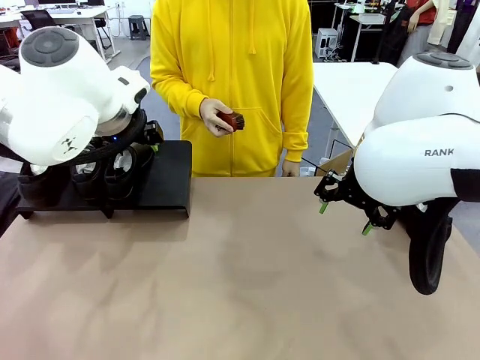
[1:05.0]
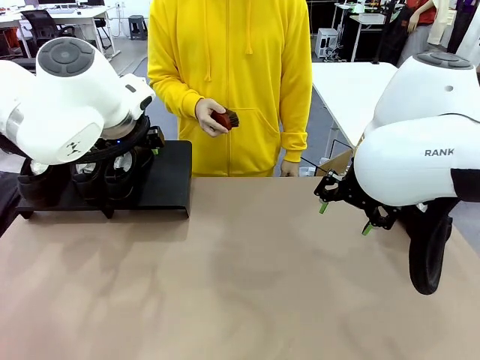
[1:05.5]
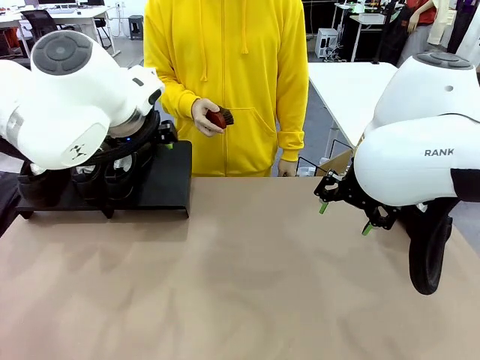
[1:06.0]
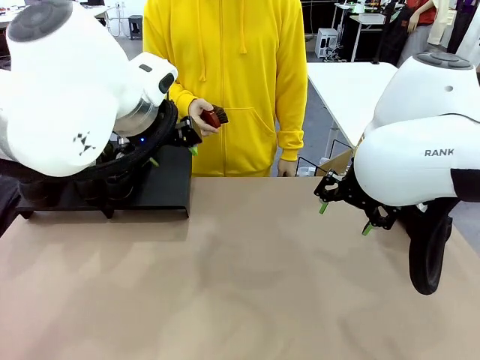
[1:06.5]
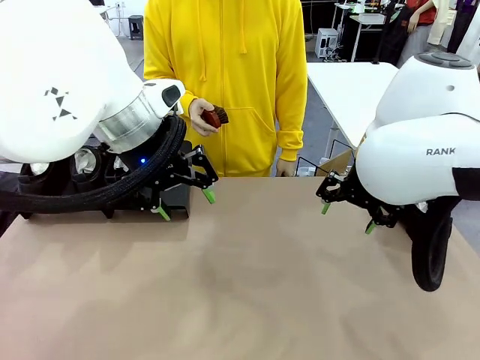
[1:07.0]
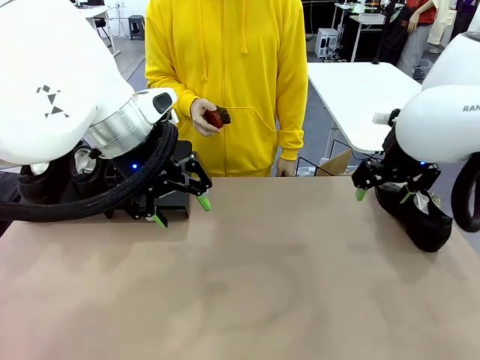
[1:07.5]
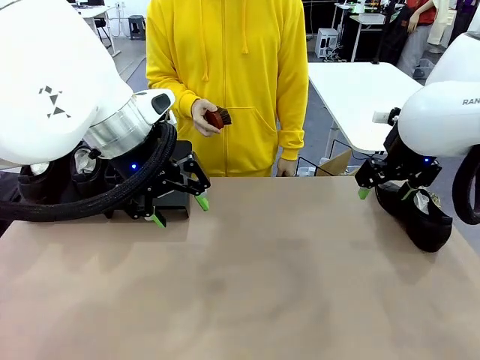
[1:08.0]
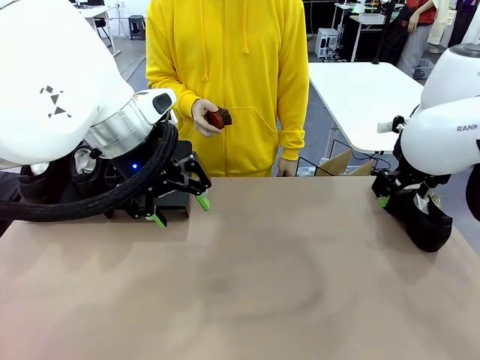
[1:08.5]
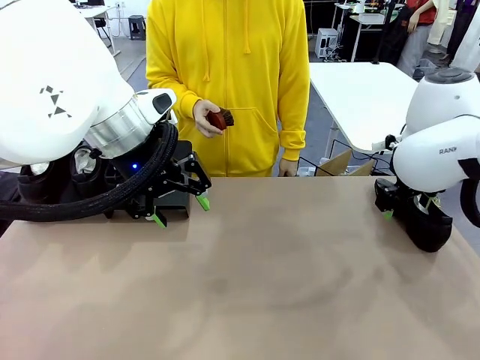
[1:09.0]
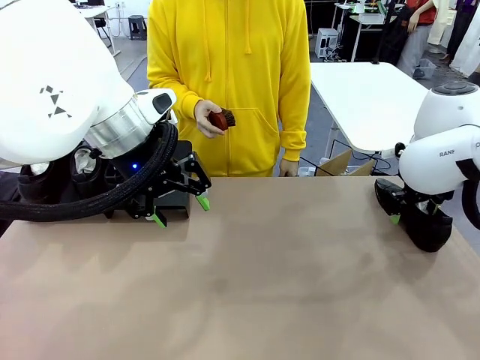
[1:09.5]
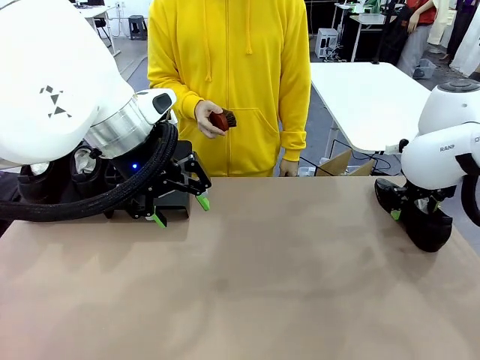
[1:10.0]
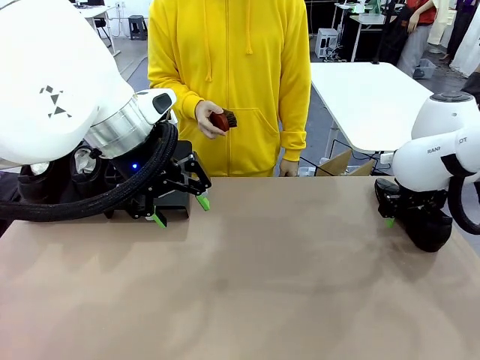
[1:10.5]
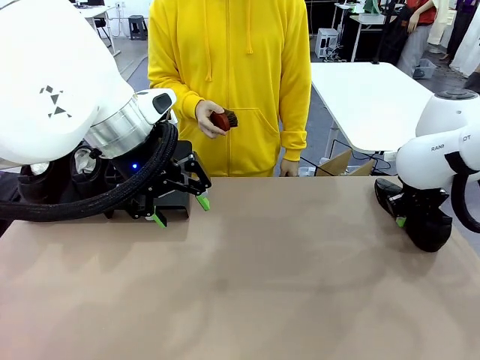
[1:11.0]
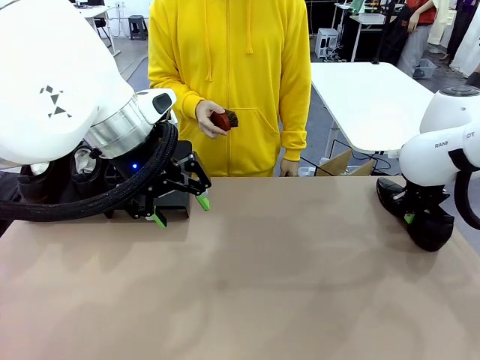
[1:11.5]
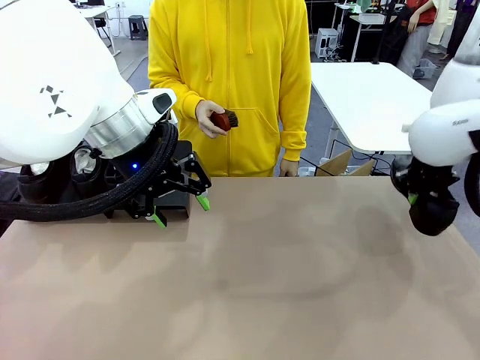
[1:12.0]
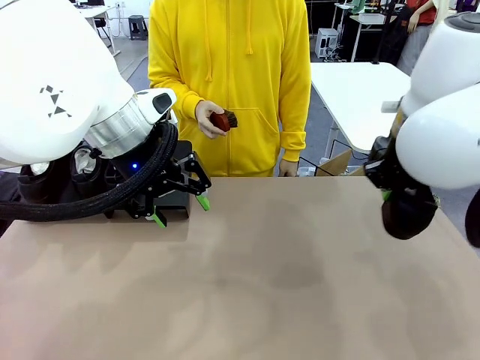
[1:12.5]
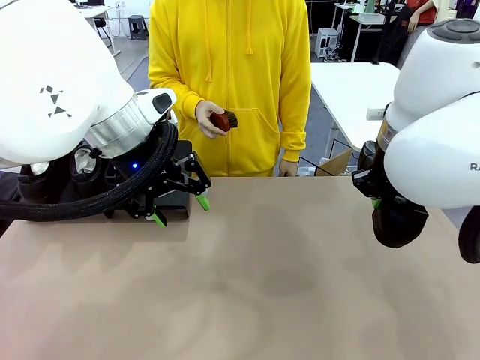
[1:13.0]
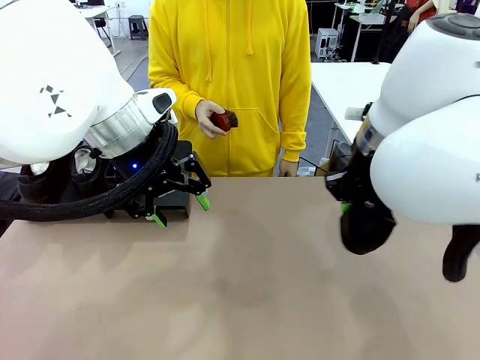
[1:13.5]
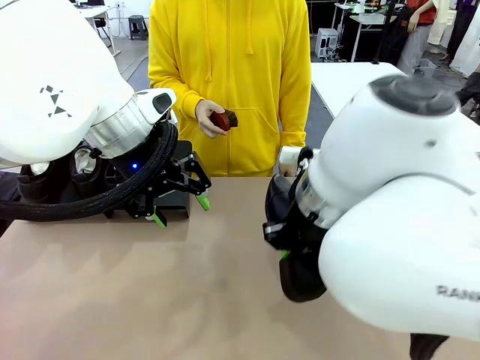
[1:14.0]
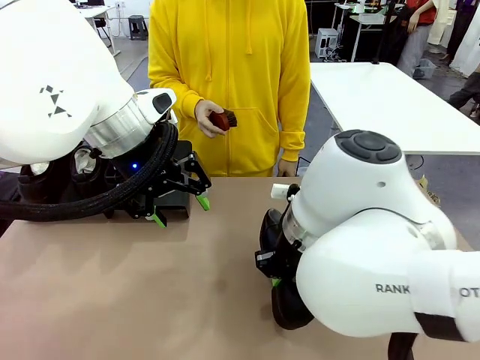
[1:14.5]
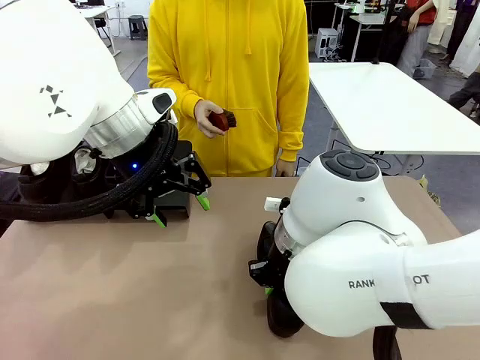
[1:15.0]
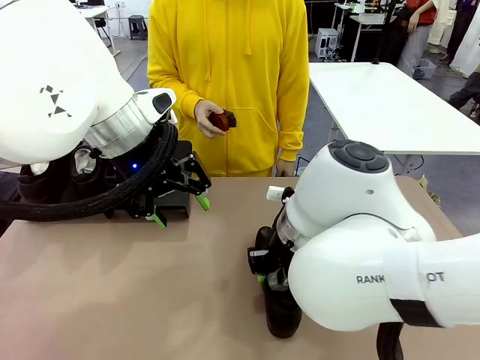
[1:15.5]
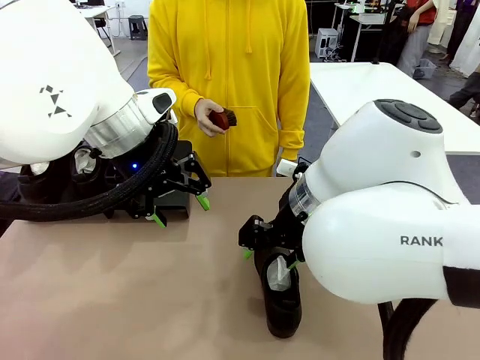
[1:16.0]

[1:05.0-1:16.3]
Task: Organize the shoes by placing them on the stand.
Robot: Pick up one Shoe and place it in the middle of the table.

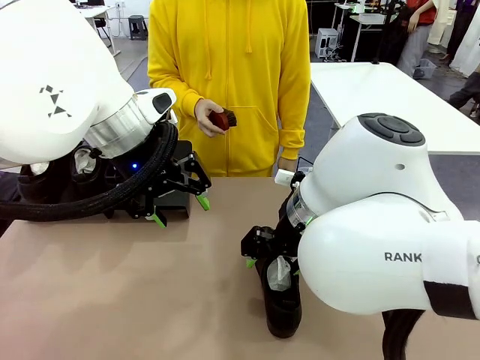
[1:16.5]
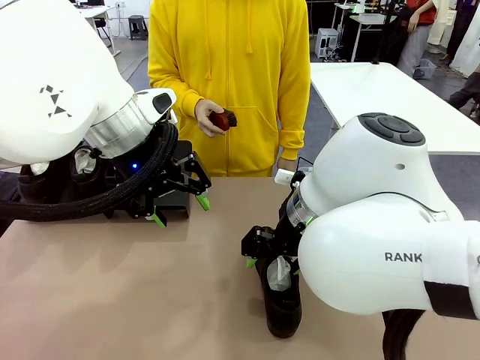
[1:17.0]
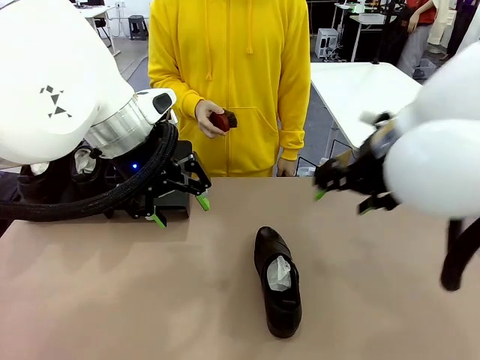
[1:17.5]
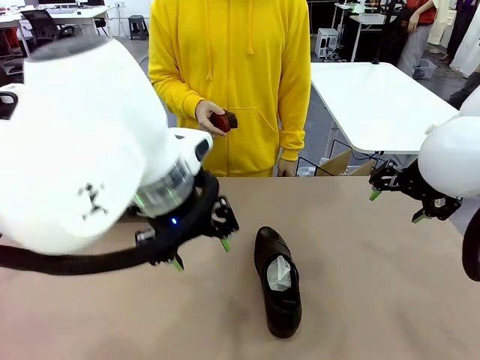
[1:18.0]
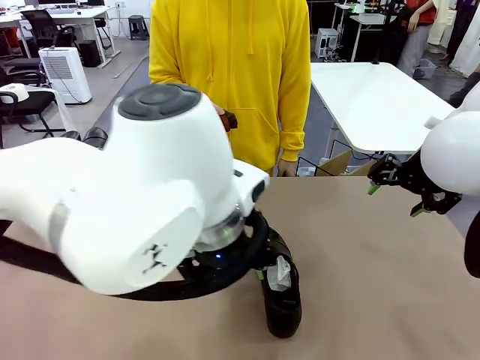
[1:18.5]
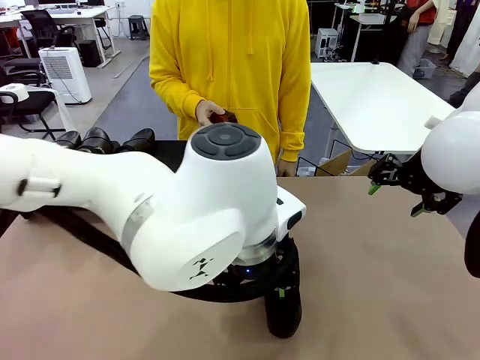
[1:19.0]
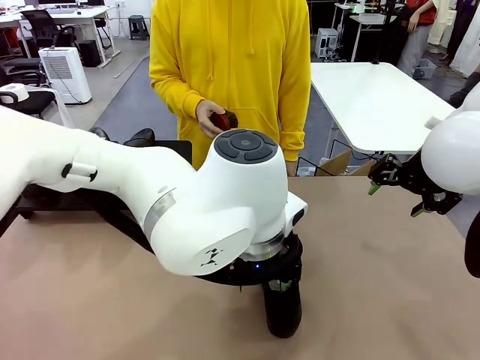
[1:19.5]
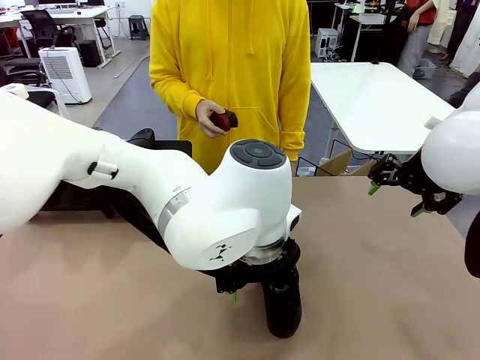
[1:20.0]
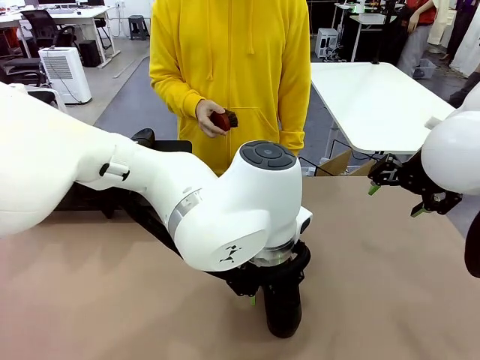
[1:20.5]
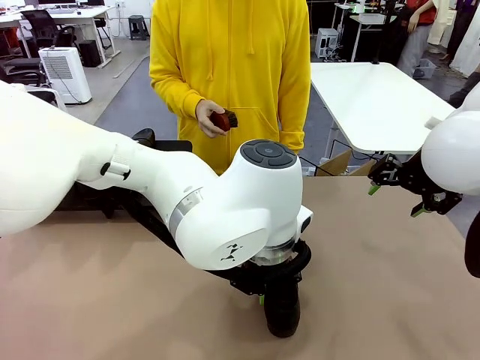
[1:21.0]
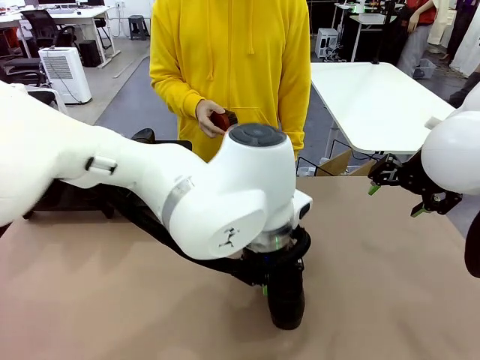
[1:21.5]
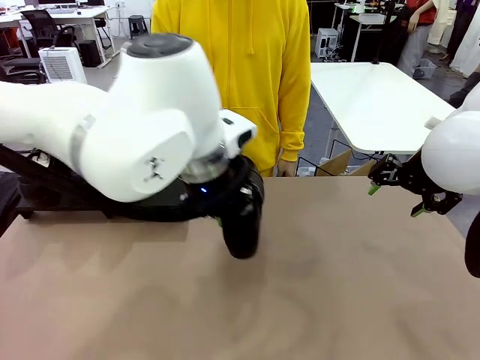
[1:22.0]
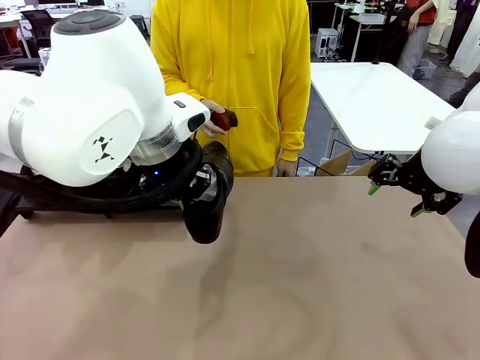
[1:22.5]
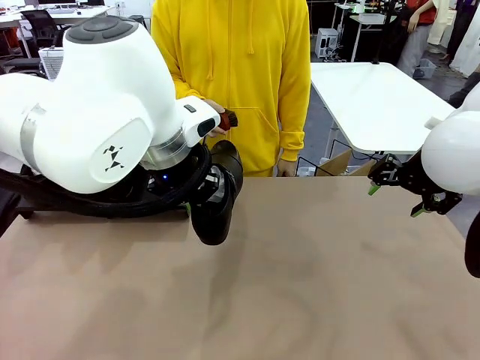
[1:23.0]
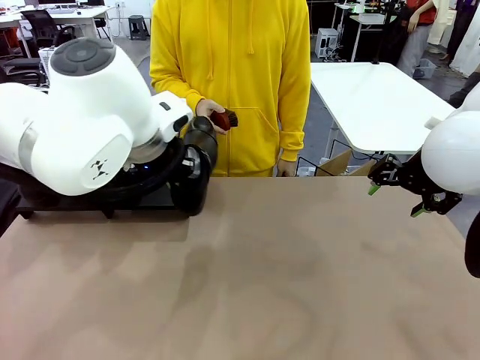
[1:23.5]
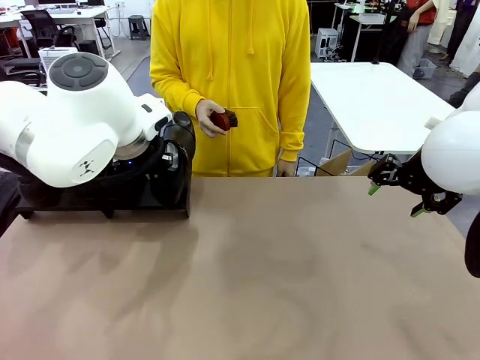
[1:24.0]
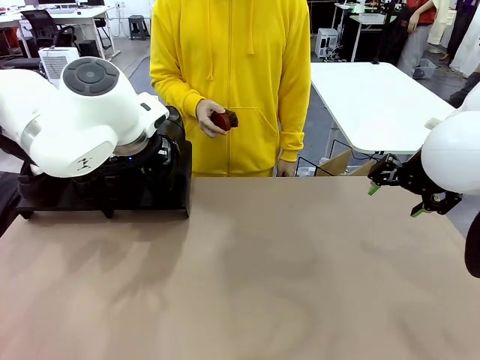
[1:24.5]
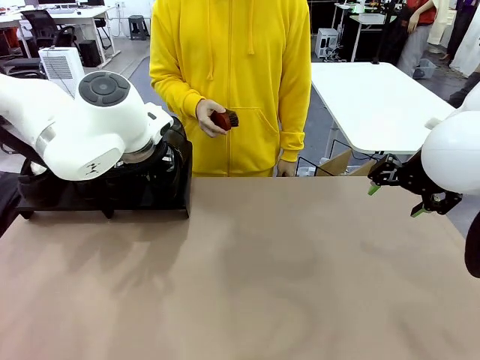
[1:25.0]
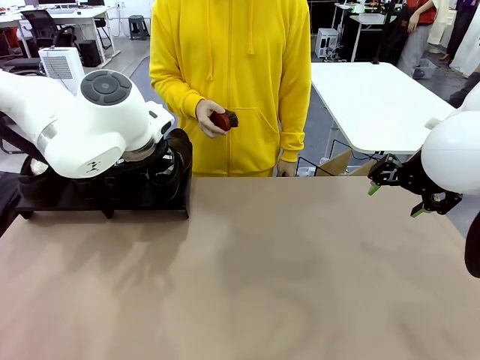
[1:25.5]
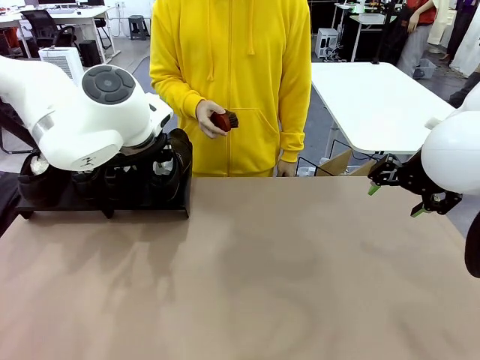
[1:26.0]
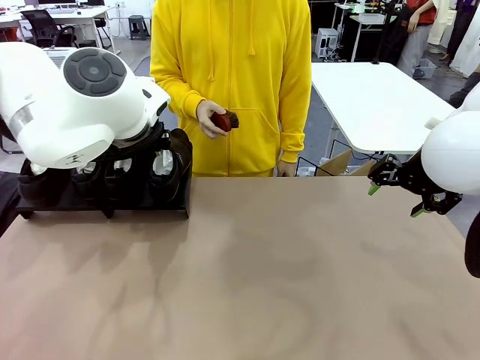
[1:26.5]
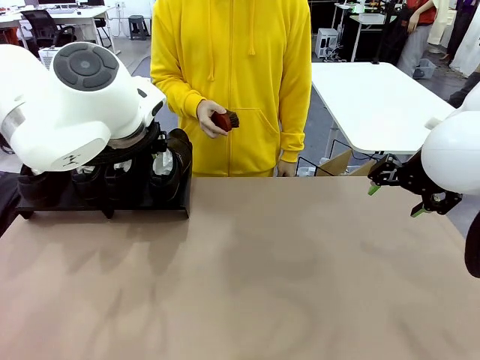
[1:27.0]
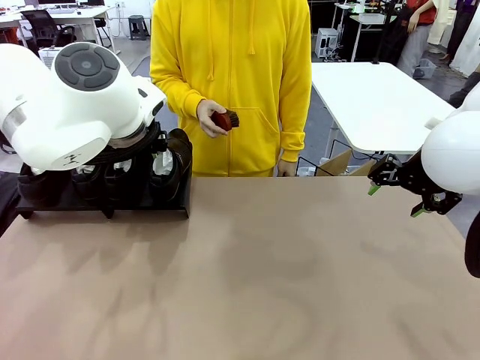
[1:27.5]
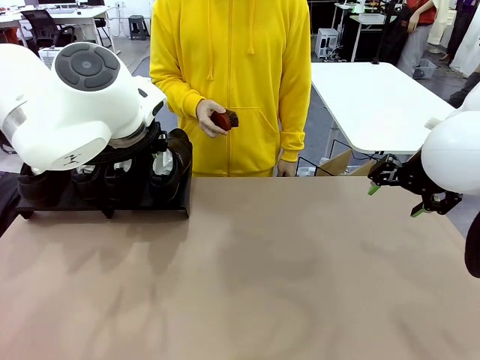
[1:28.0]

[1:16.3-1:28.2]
Robot: Place the Shoe from the middle of the table onto the Shoes Stand.

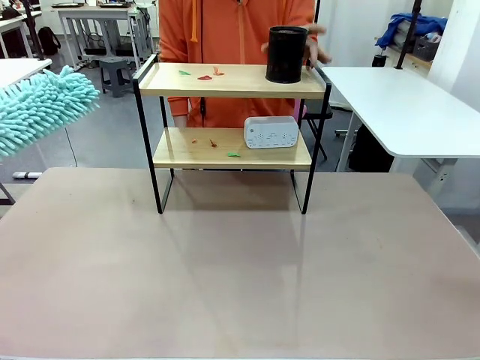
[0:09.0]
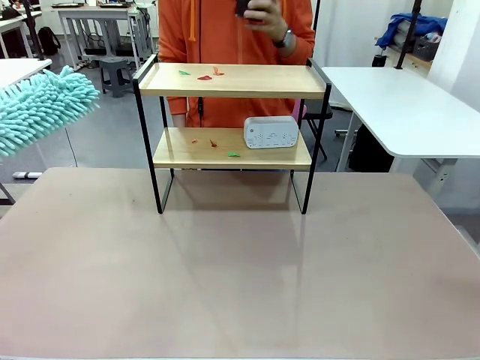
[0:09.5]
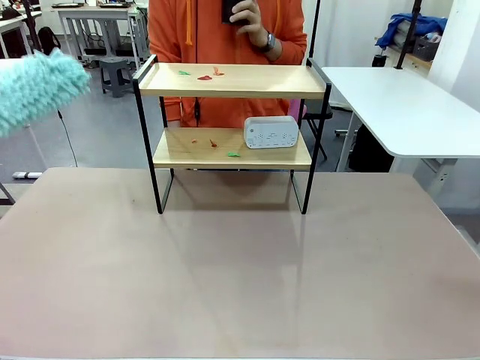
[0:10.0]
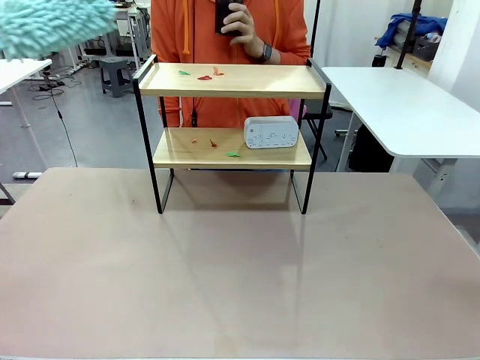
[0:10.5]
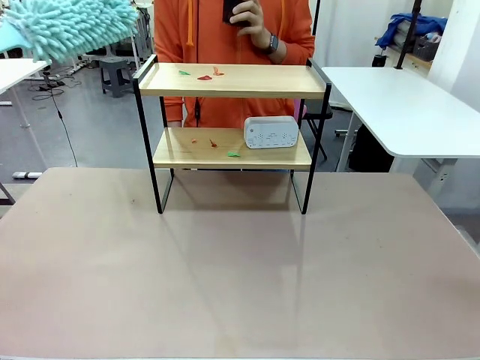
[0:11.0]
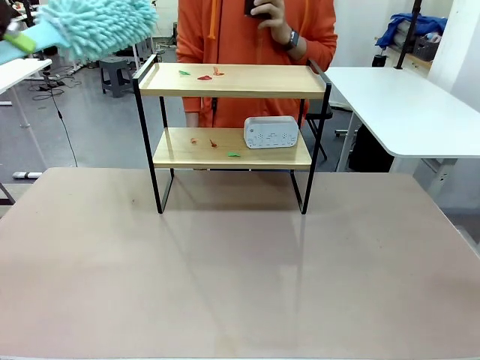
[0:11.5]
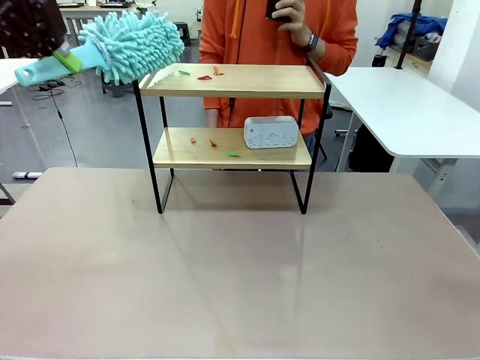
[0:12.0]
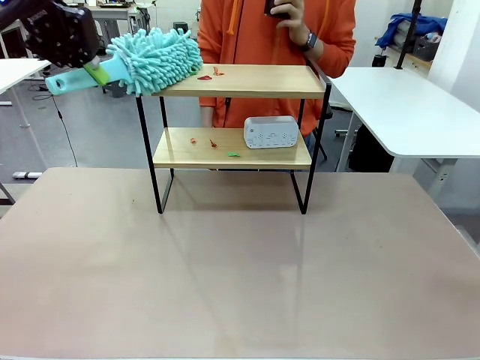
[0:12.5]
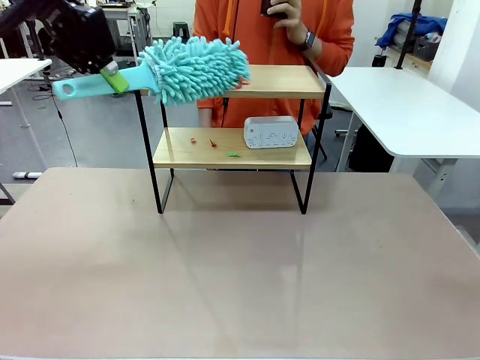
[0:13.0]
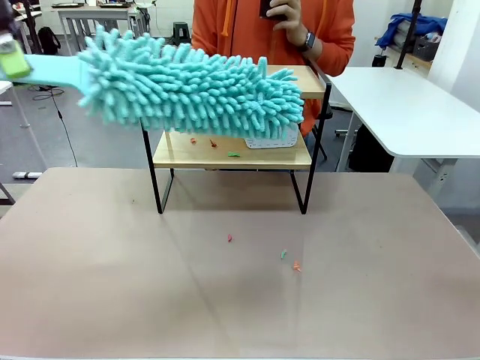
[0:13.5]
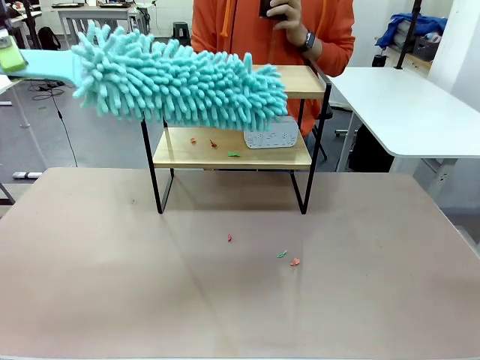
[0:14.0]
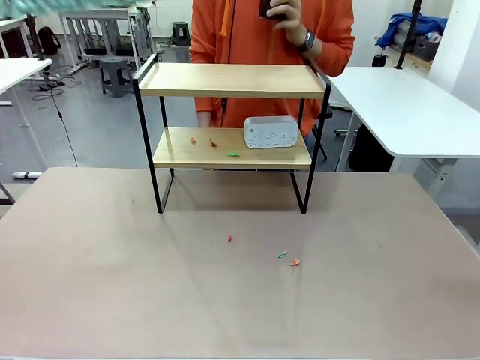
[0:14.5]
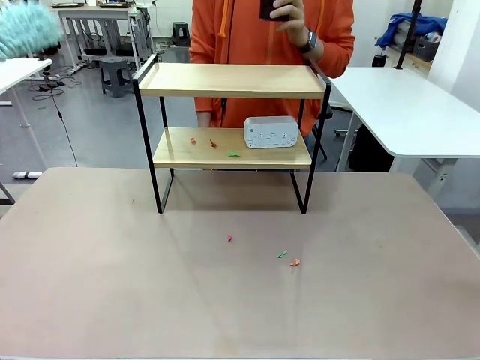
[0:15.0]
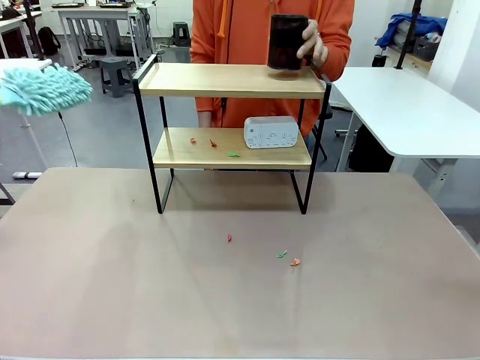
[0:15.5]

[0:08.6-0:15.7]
Task: Clean the shelf.
Robot: Clean the specific tier of the Shelf with the Duster once objects are removed.
Person: Lift the objects on a randomly selected tier of the Shelf. Once the robot finishes cleaning, lift the objects on the remaining tiers of the Shelf.
